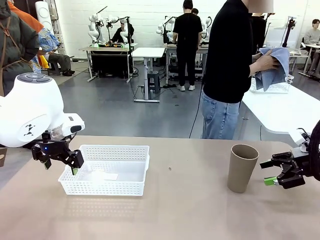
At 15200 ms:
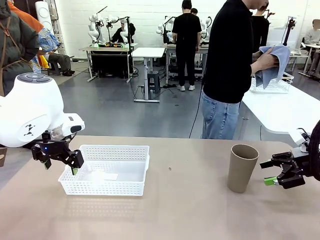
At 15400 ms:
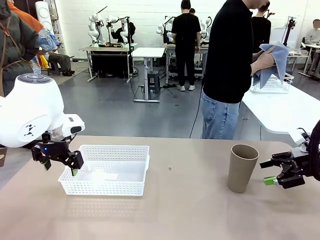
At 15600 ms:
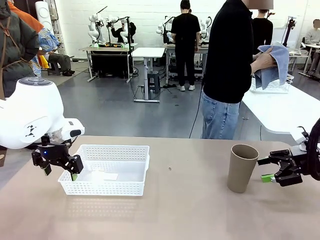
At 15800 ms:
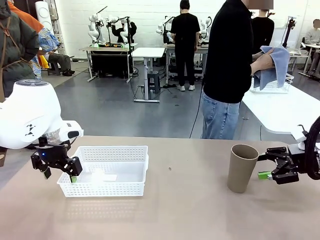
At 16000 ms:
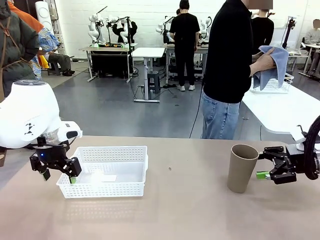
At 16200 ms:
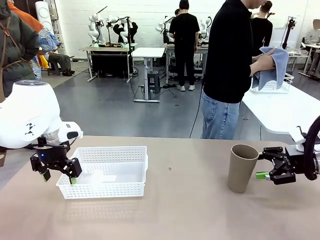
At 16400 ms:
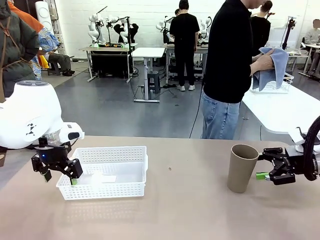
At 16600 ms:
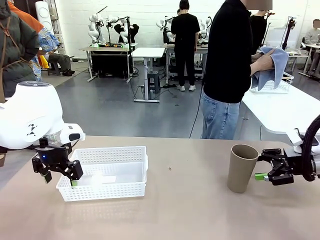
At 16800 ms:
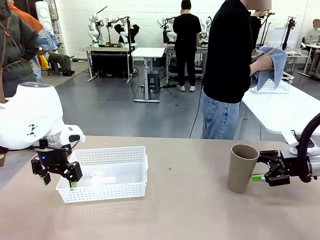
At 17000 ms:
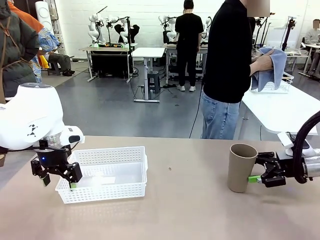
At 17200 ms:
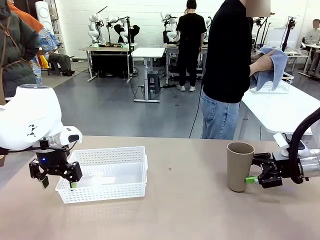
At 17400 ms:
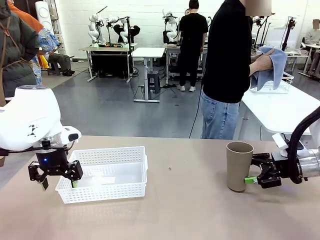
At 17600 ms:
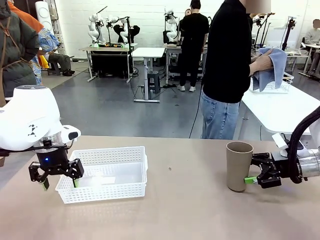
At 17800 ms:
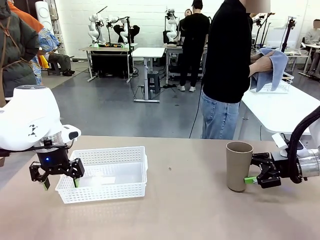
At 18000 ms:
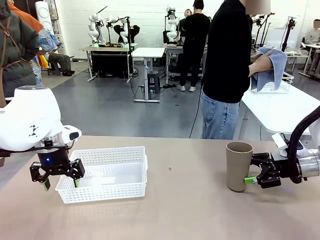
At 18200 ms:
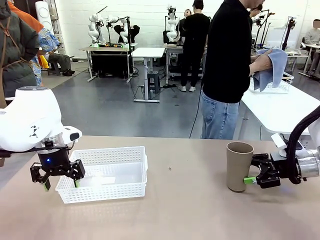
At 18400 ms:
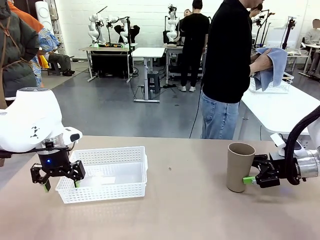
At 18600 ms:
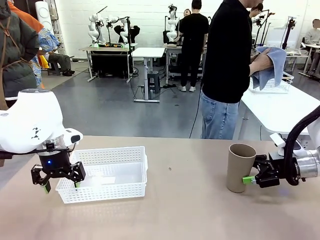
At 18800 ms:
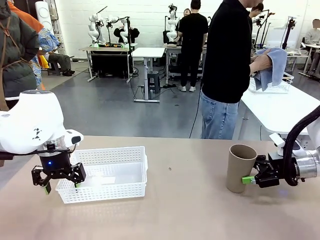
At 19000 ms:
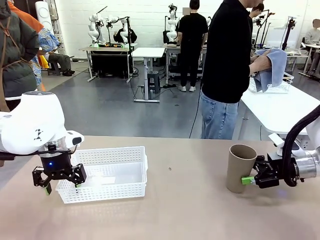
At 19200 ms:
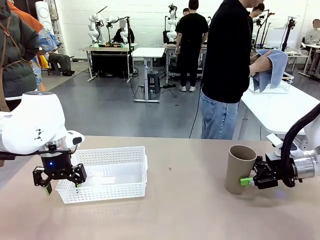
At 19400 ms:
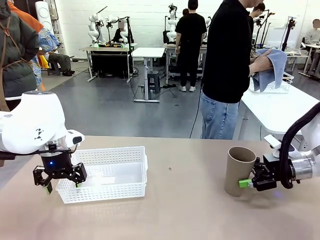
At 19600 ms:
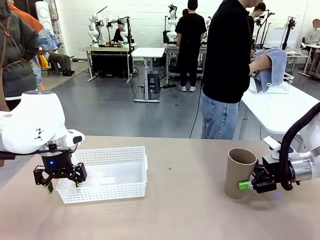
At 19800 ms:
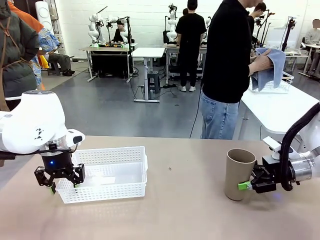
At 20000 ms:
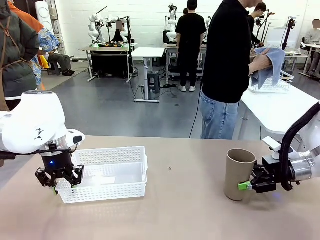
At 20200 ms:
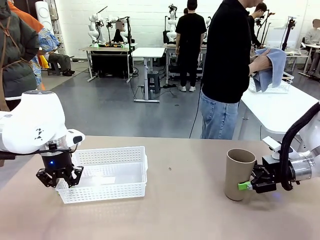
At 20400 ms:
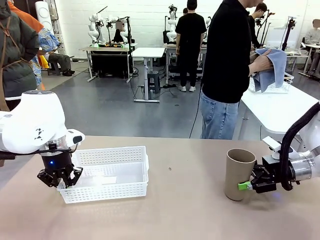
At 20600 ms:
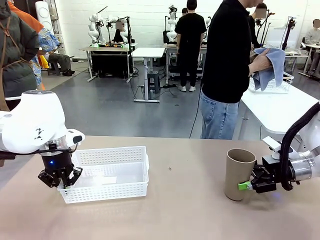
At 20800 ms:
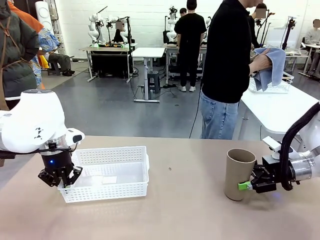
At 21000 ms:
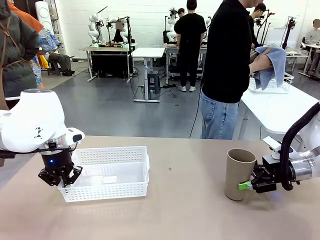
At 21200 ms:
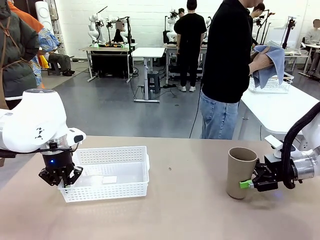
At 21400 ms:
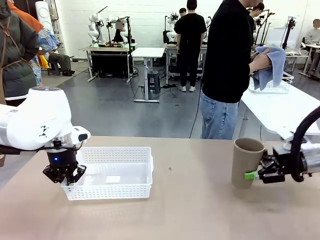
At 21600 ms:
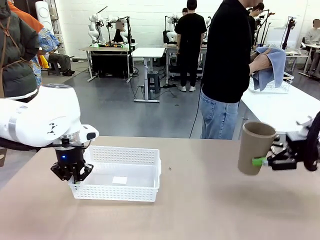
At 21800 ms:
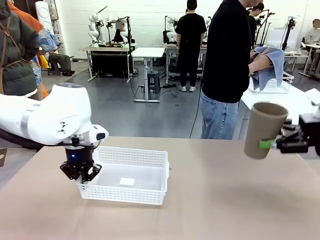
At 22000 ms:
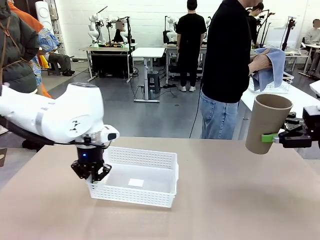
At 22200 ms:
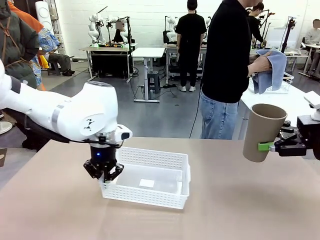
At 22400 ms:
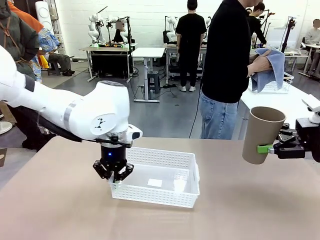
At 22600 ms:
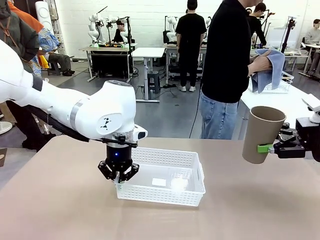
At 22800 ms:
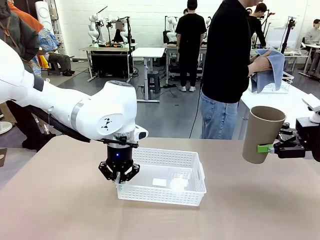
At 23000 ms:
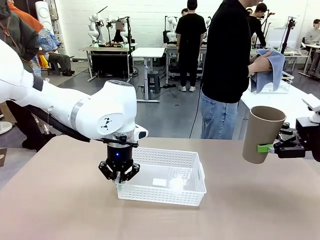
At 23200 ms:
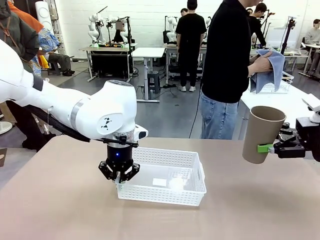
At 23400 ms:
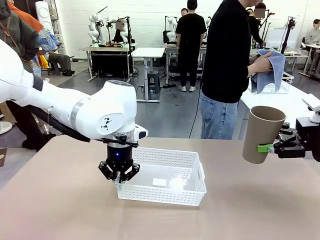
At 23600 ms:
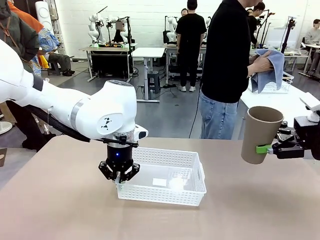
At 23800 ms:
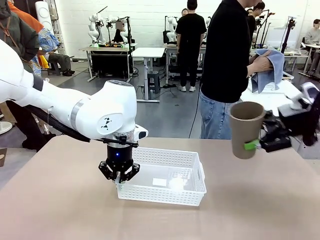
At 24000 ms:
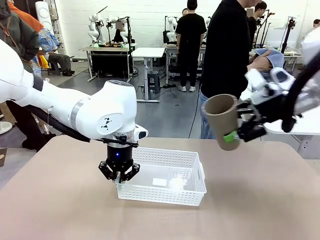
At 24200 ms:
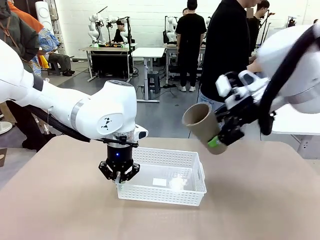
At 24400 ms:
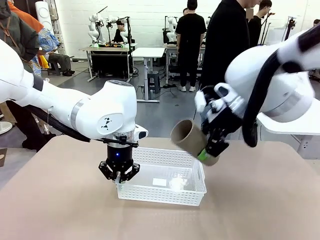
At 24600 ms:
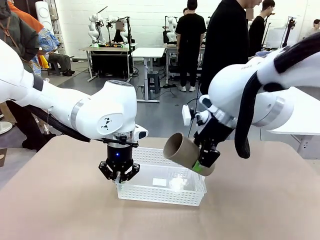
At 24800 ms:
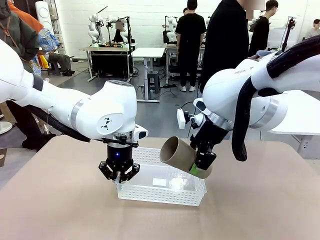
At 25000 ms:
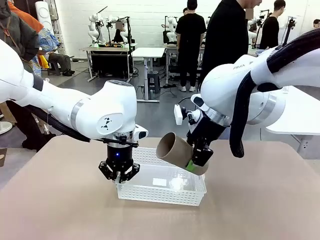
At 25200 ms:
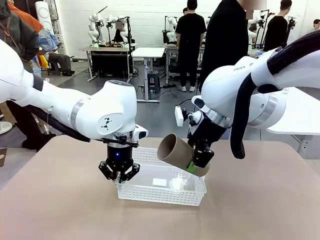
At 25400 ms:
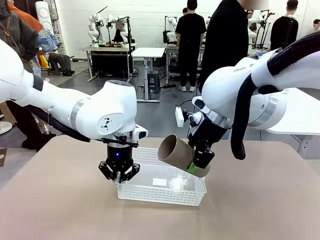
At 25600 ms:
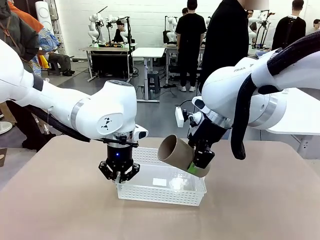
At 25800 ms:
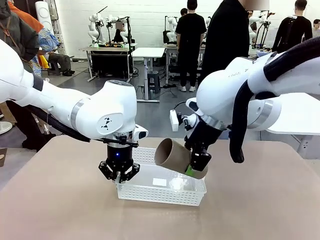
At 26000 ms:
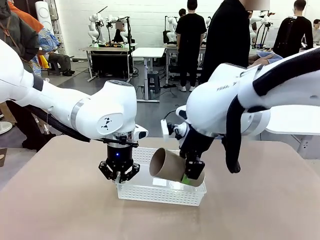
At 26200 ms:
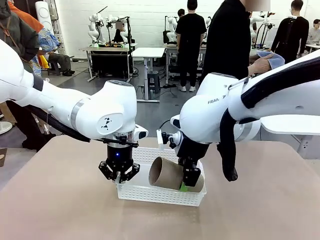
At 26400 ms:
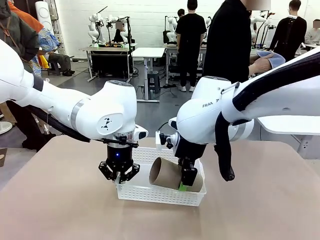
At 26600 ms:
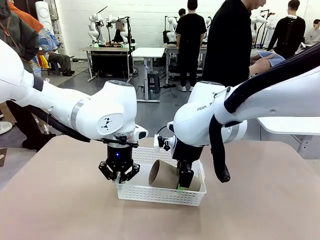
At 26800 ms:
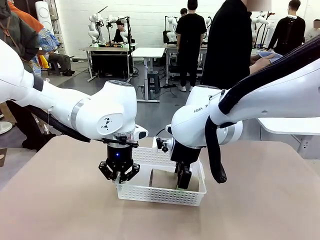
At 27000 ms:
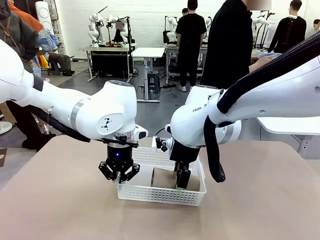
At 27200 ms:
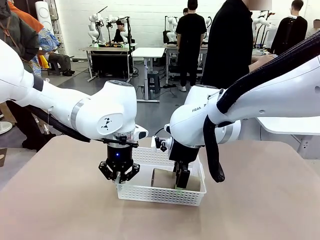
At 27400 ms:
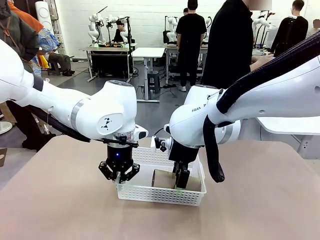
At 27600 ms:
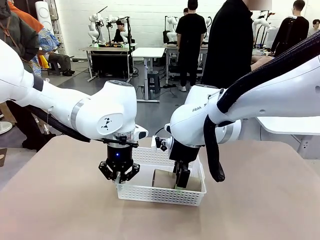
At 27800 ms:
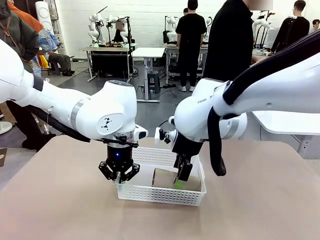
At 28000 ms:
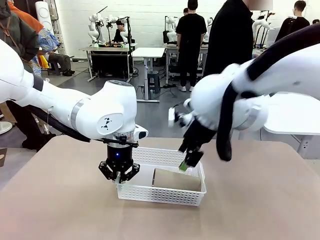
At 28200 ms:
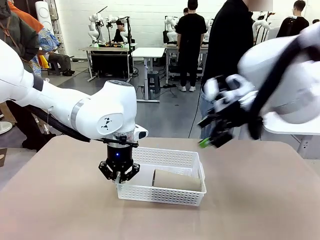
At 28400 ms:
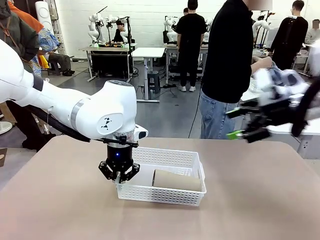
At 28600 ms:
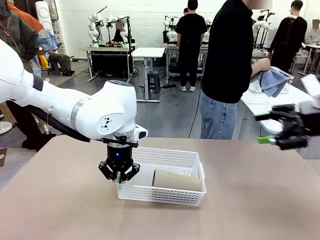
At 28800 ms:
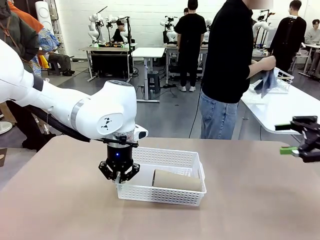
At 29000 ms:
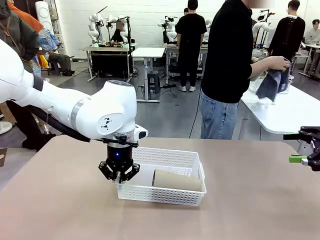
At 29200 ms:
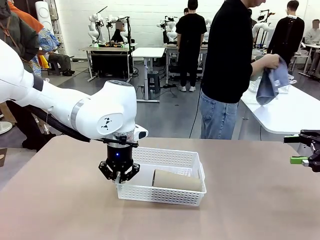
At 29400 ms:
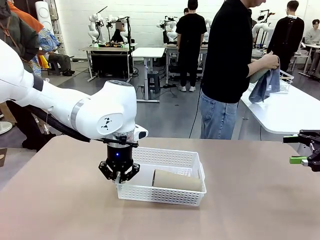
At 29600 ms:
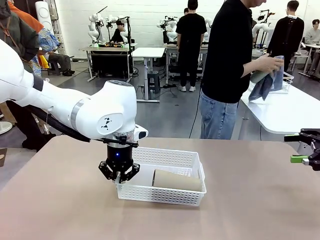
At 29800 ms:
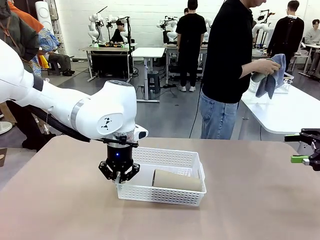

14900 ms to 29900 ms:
Task: Clean and organize the cups into the basket.
Robot: Pick up the Organizing basket and move it to the center of the table, then pick up the Reusable plastic cup from the right side of the table and place it inside the Organizing basket.
